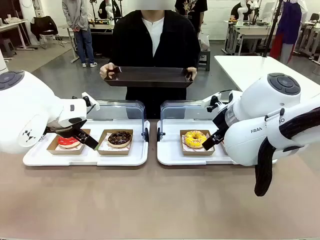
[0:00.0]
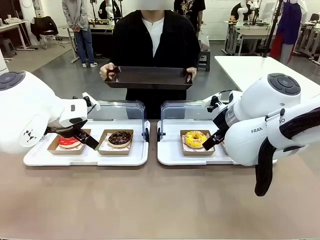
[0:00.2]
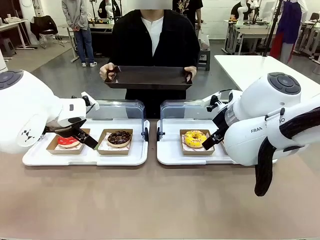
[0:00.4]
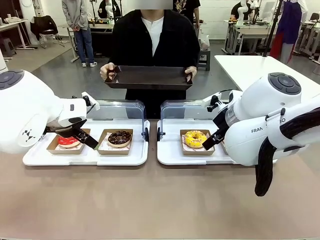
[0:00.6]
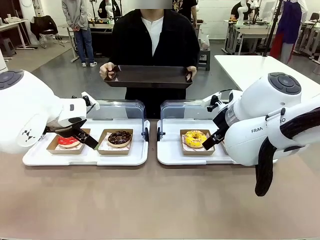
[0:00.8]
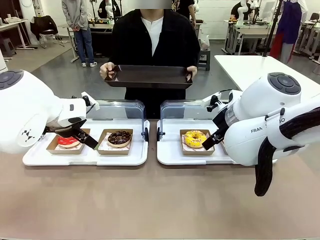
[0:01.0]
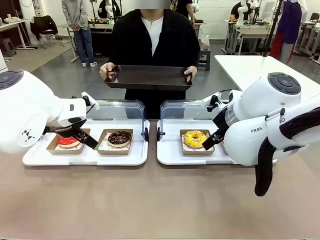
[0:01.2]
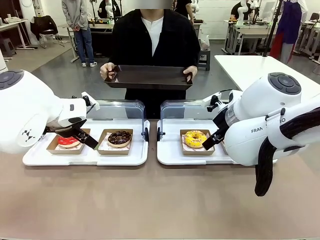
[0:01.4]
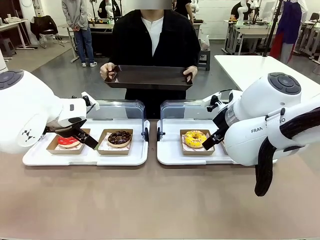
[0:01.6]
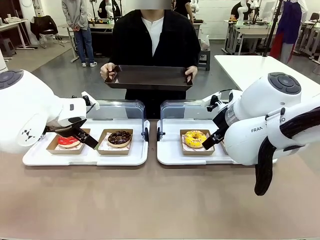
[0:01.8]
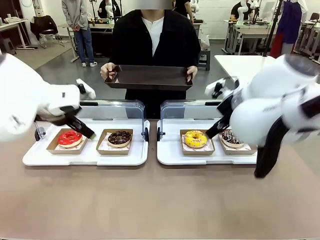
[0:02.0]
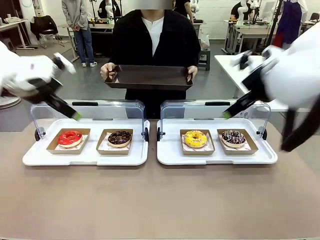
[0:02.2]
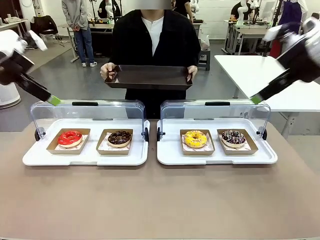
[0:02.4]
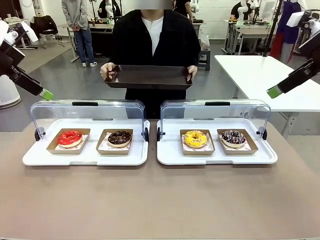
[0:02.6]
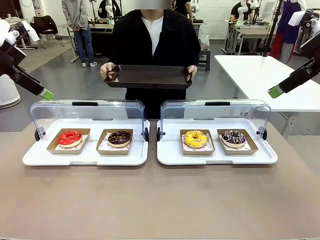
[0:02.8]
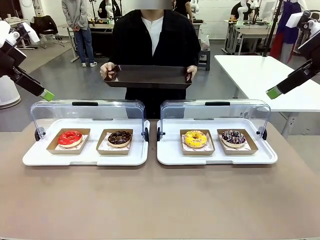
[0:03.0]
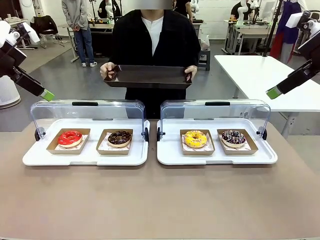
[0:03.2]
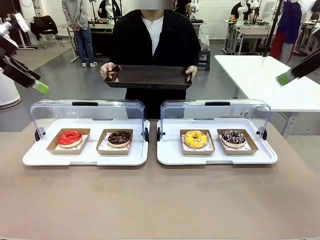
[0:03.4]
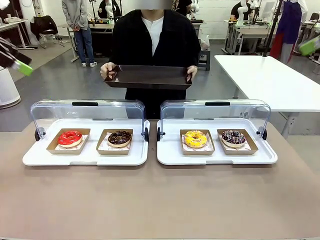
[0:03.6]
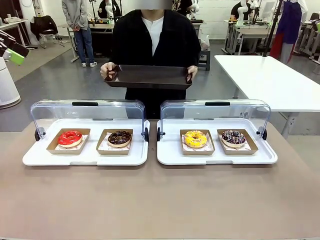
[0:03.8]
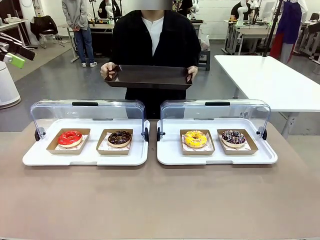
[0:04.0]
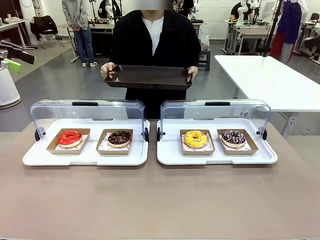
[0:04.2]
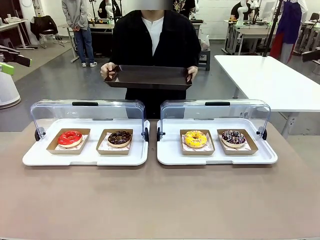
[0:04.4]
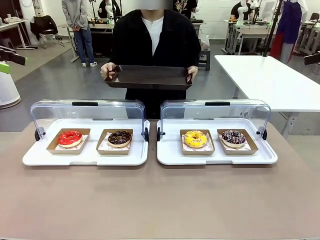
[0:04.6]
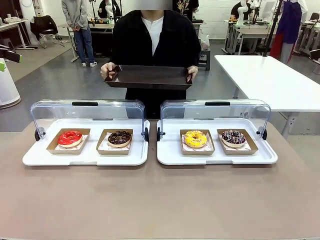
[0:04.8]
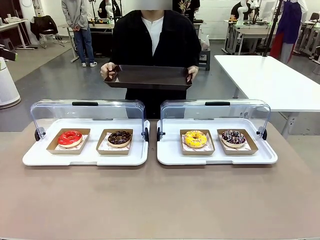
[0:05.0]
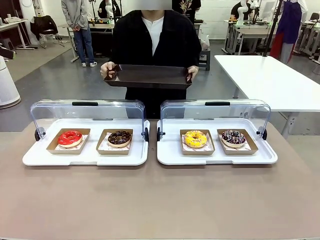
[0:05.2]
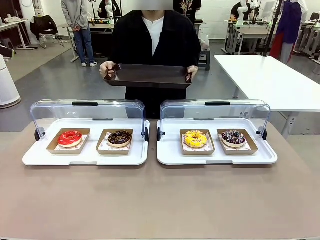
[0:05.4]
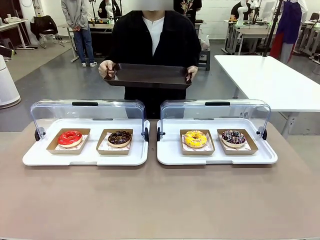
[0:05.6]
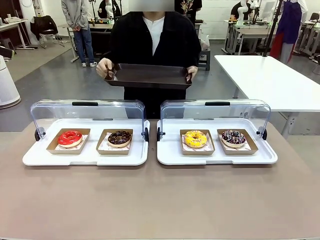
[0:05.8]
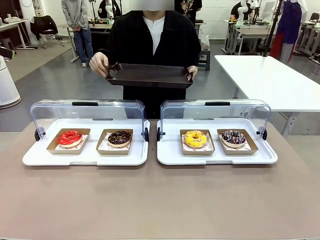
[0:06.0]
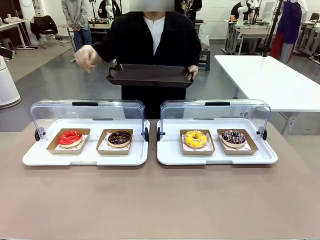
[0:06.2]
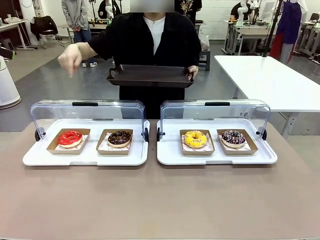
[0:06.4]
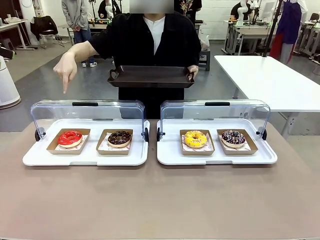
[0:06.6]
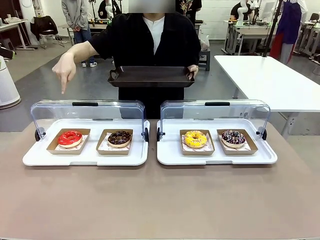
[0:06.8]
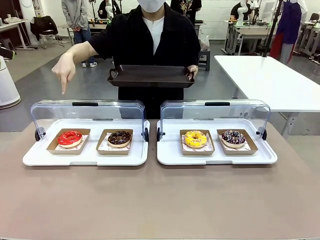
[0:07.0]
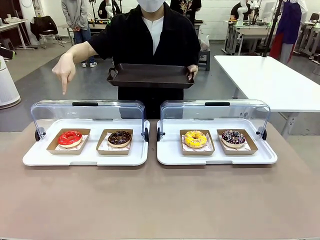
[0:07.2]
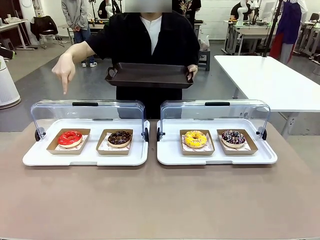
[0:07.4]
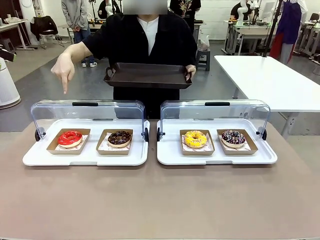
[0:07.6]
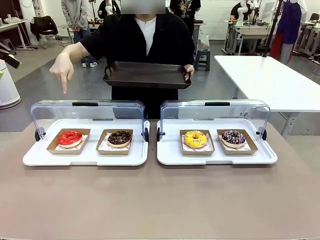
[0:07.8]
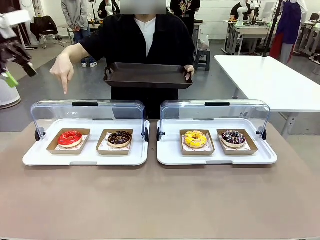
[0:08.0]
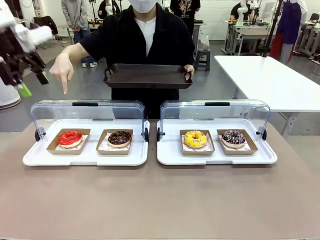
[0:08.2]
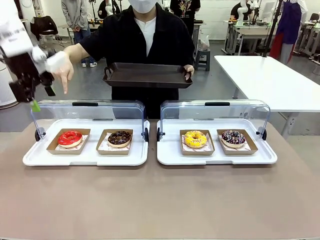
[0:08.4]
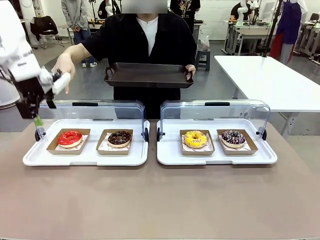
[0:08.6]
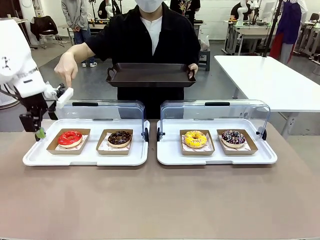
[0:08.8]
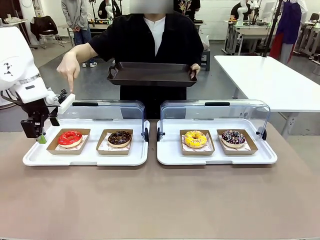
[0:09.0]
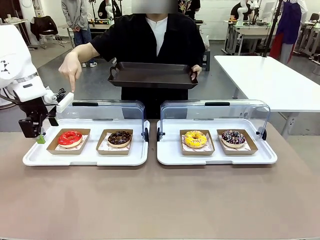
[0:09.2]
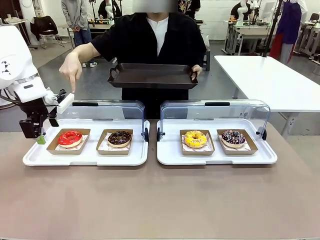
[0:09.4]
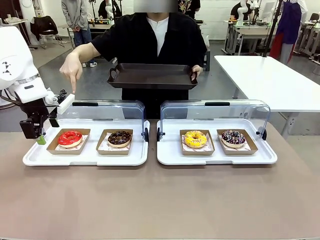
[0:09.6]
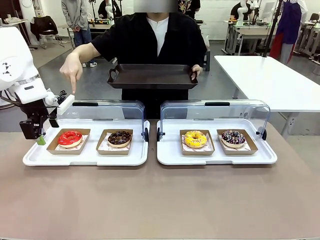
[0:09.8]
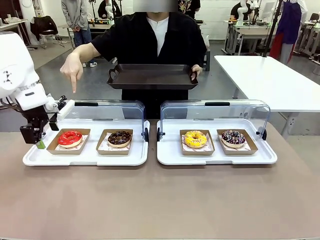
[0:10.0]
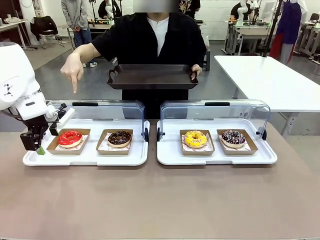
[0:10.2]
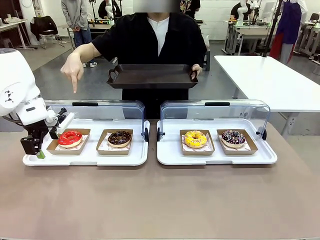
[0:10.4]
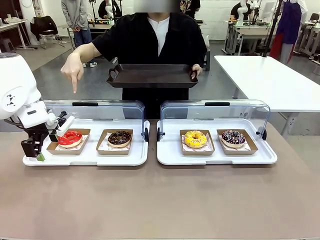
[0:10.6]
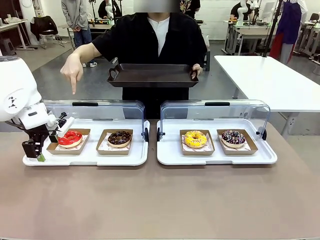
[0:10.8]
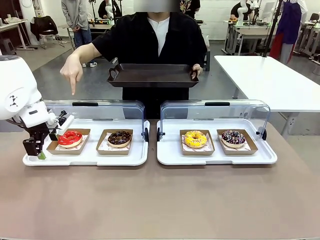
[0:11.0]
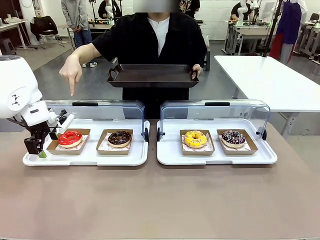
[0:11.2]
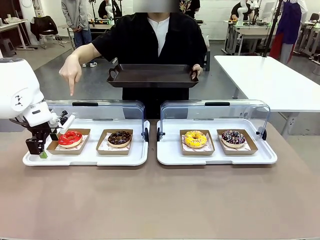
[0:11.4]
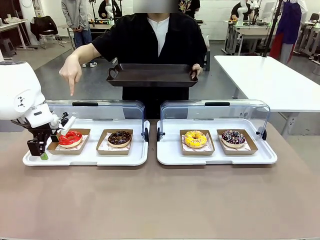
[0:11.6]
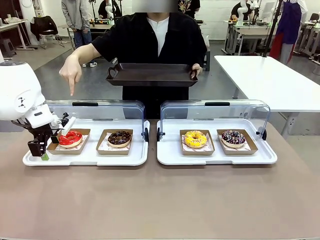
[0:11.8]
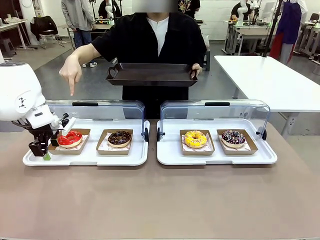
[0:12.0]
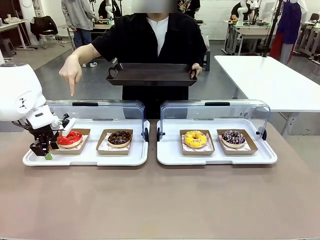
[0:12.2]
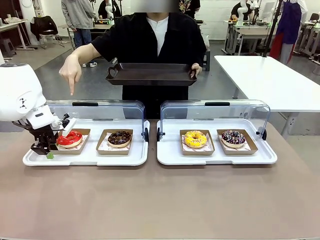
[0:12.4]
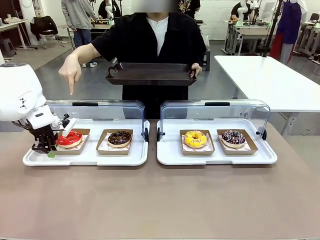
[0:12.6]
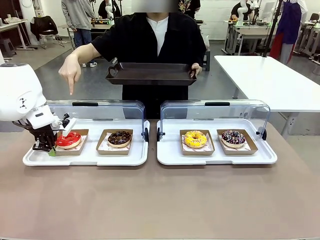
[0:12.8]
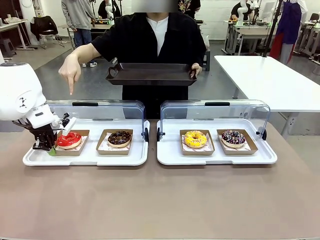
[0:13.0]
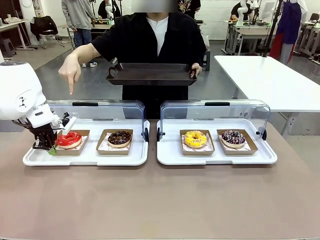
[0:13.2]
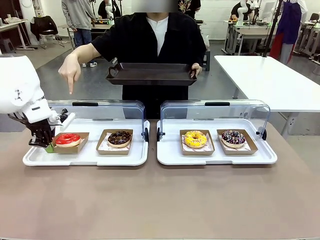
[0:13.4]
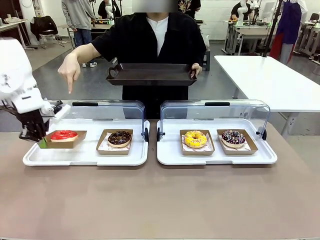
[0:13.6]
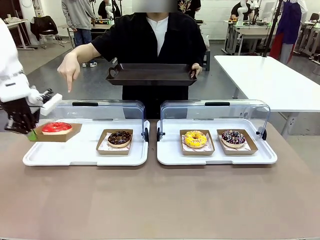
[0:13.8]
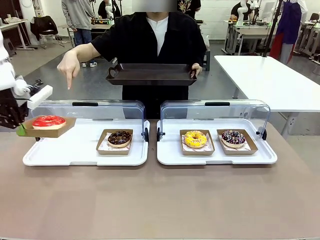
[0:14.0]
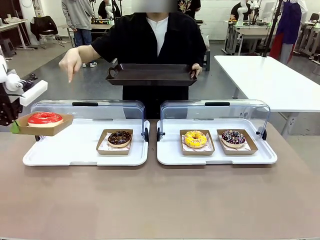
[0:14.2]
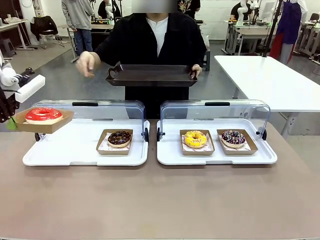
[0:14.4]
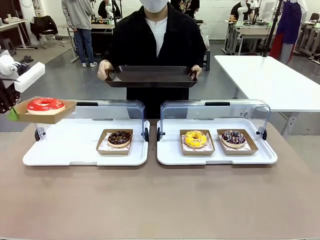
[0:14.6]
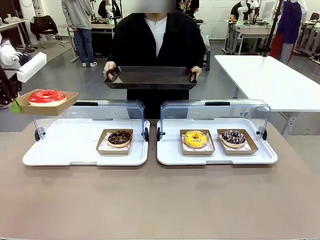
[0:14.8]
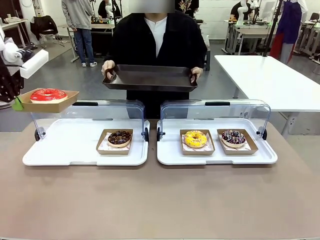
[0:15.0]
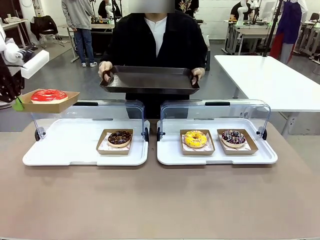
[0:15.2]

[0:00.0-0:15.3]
Task: Provide the desired donut to the person.
Robot: Pick up and lift the Paper togo box containing the Donut pointed at by the person.
Person: Point to one donut. Lift the tray onto the Roll-Top Bakery Case.

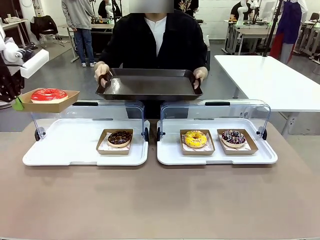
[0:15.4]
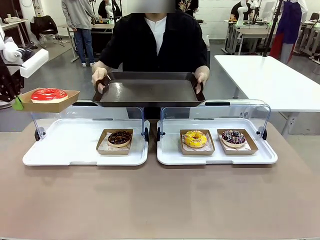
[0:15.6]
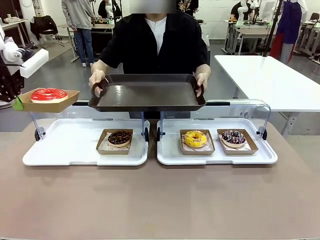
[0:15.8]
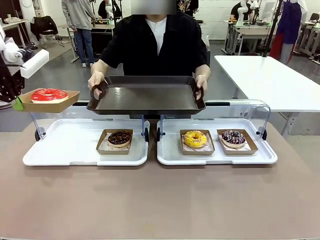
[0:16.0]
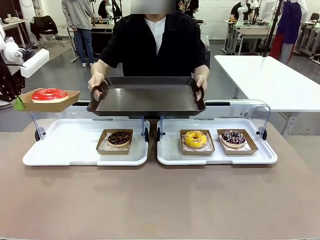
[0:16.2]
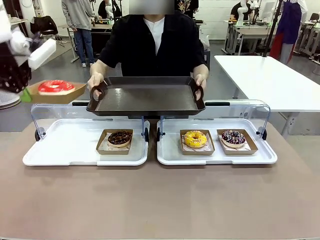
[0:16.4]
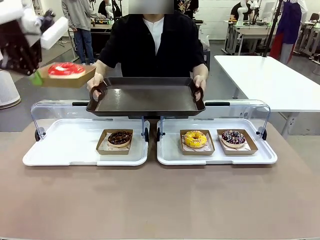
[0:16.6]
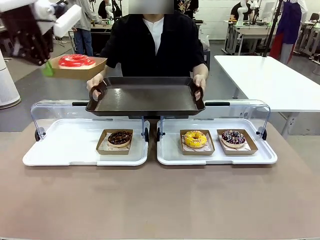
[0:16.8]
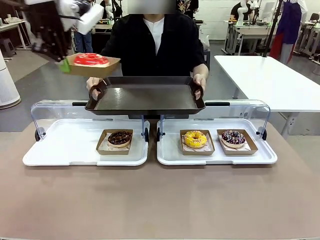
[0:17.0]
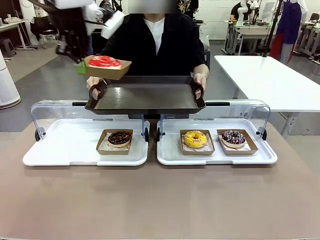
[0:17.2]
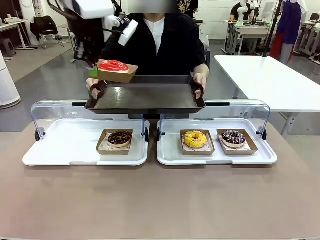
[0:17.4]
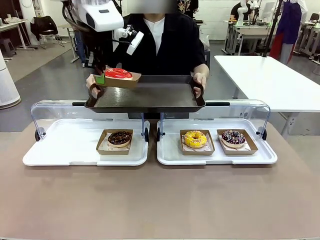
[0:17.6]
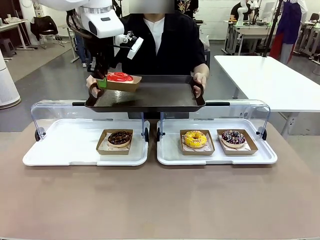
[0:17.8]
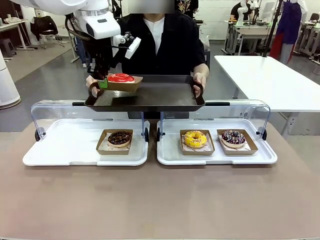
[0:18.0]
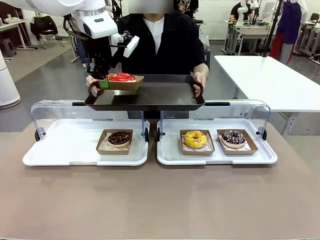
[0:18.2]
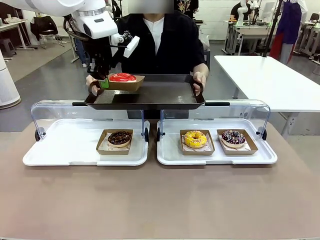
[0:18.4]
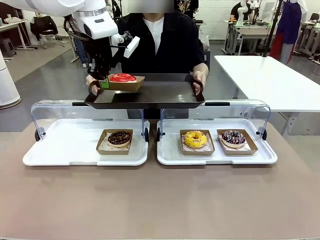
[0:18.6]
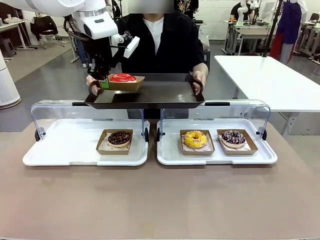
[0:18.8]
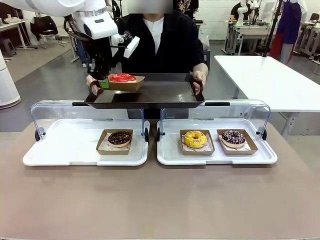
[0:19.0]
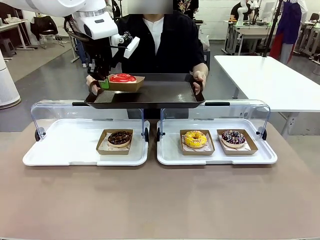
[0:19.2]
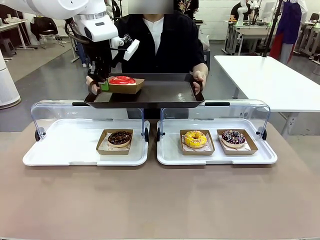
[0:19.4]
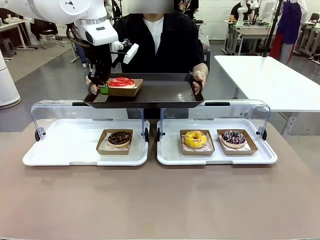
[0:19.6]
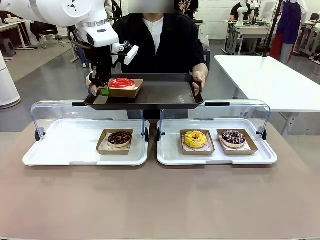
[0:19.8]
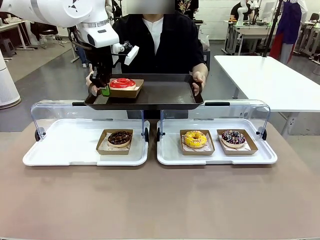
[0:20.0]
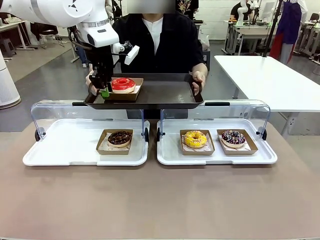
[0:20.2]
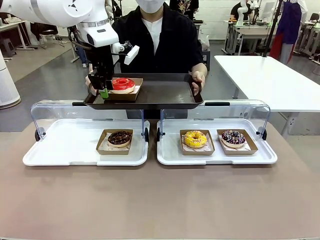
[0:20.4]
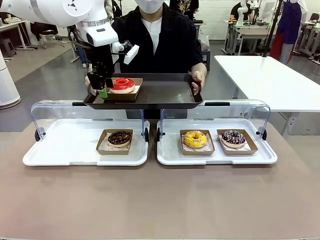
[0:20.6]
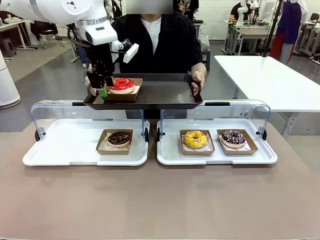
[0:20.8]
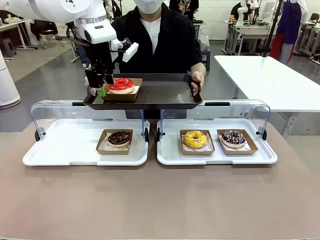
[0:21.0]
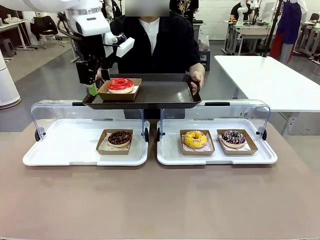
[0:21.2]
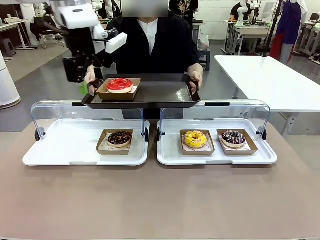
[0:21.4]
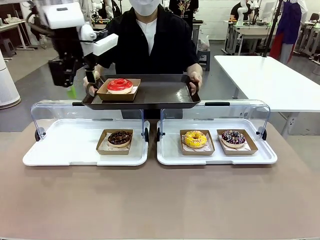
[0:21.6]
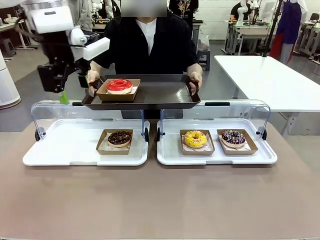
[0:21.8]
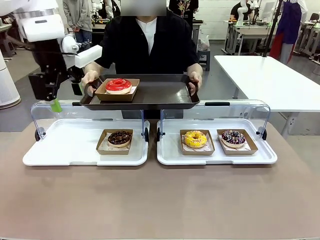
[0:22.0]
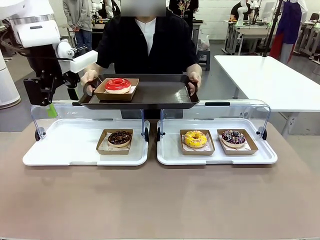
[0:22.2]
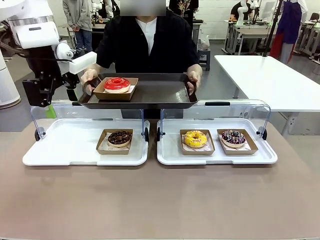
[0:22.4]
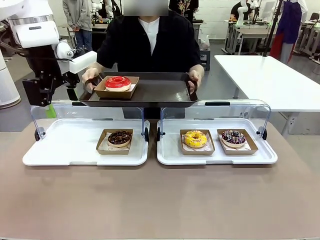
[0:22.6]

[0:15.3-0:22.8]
Robot: Place the picked Paper togo box onto the Handle tray extended by the person.
